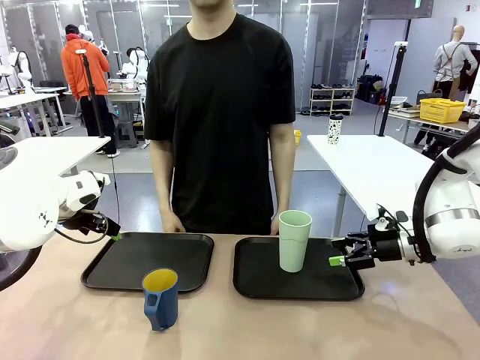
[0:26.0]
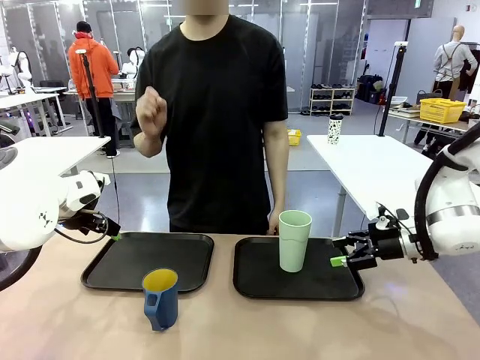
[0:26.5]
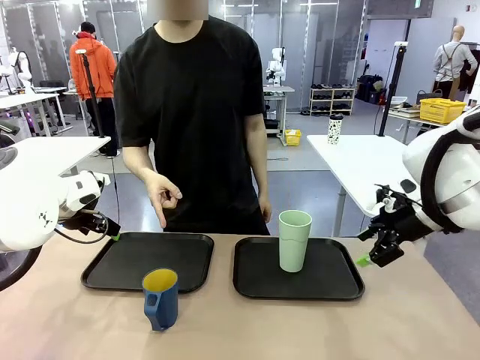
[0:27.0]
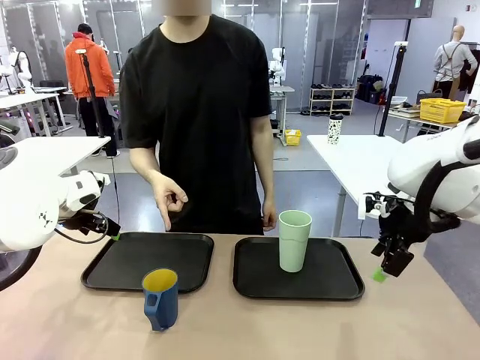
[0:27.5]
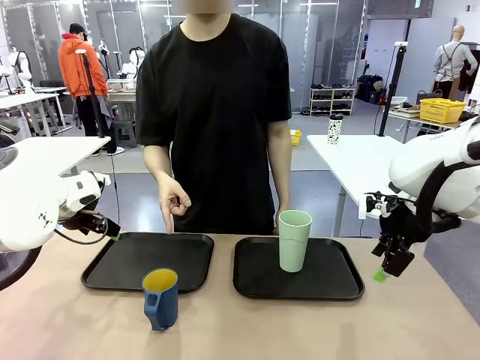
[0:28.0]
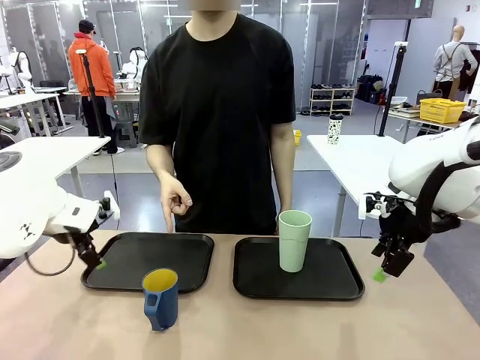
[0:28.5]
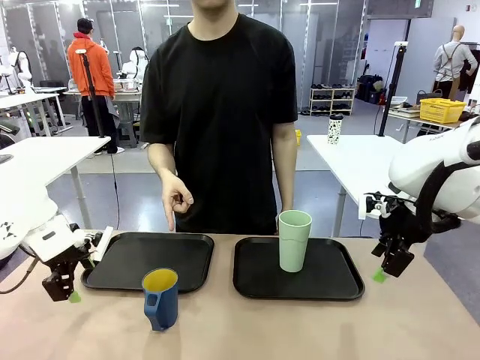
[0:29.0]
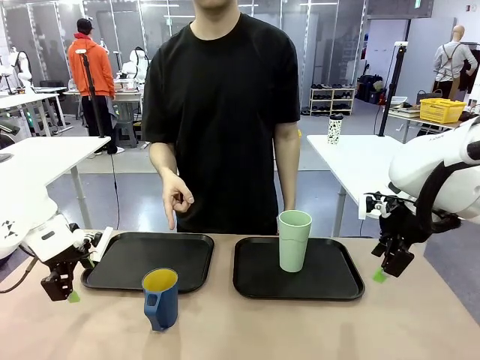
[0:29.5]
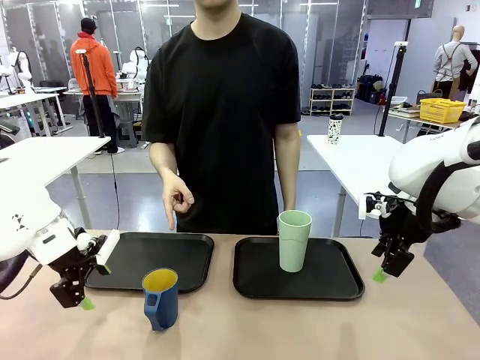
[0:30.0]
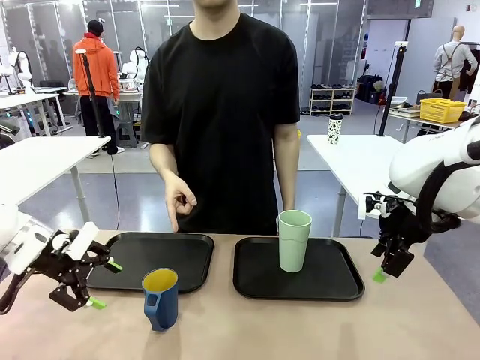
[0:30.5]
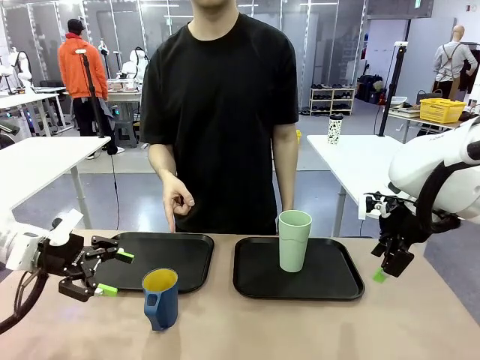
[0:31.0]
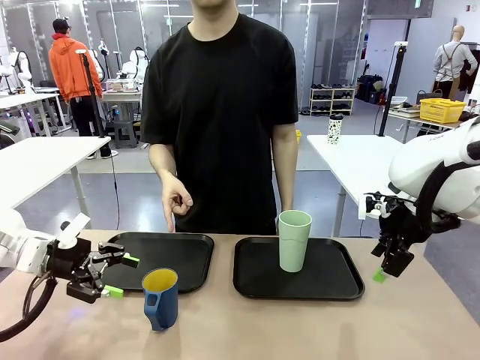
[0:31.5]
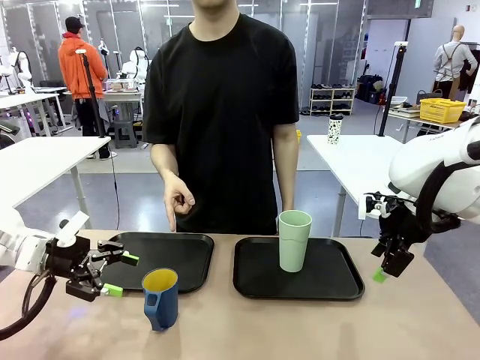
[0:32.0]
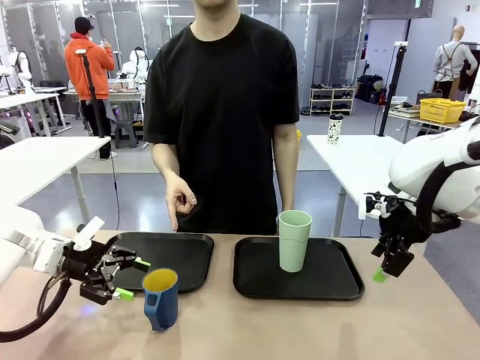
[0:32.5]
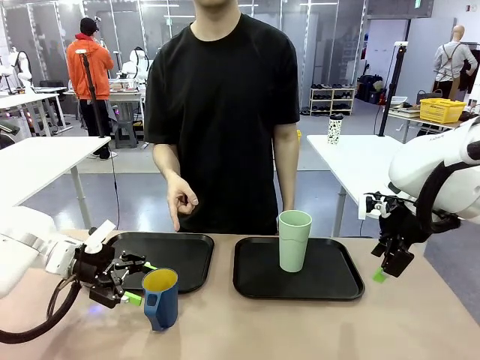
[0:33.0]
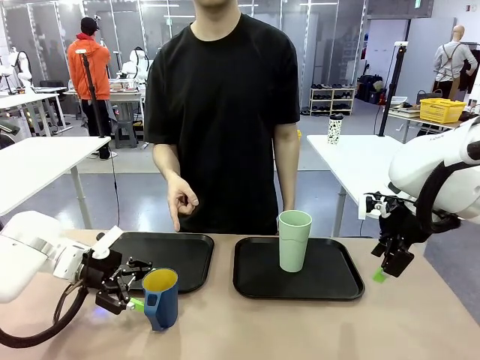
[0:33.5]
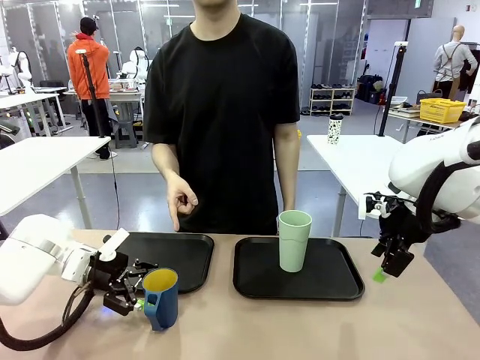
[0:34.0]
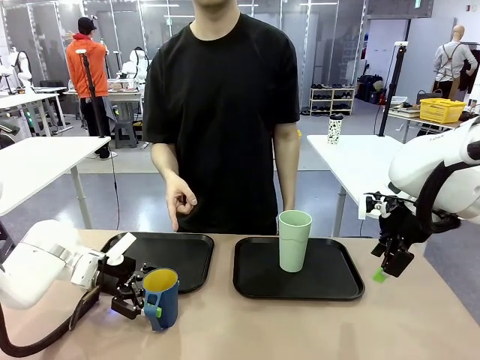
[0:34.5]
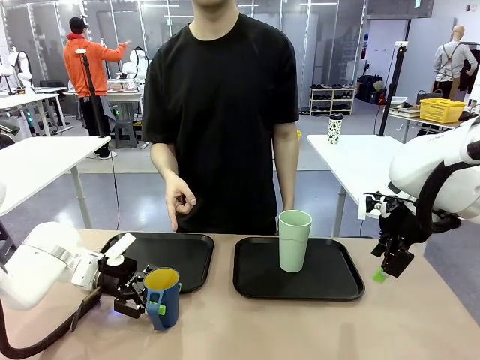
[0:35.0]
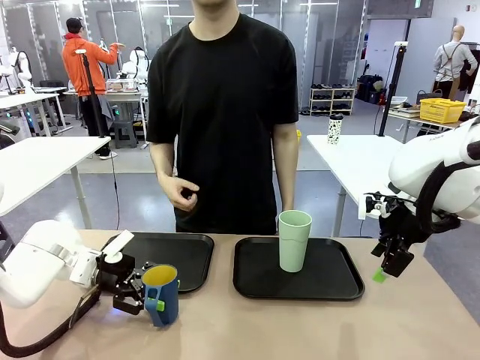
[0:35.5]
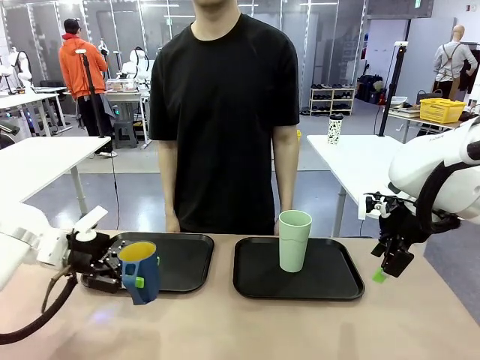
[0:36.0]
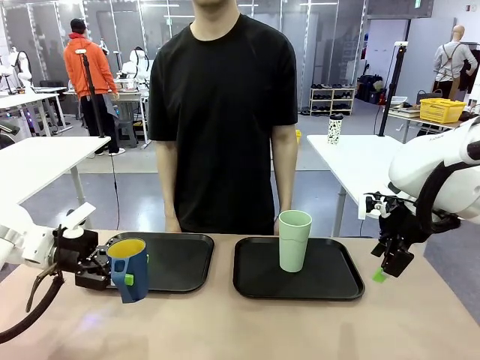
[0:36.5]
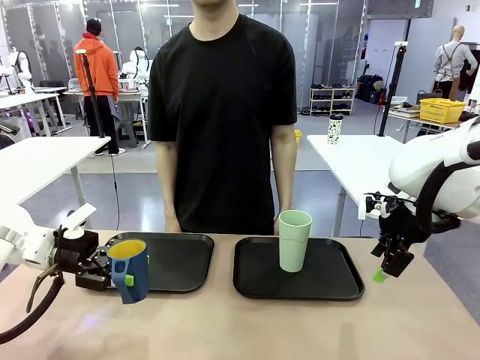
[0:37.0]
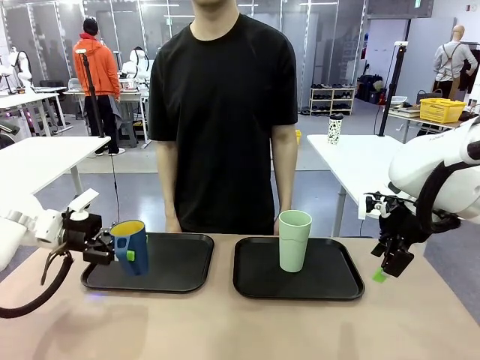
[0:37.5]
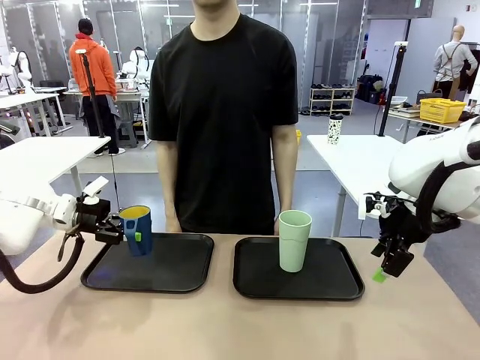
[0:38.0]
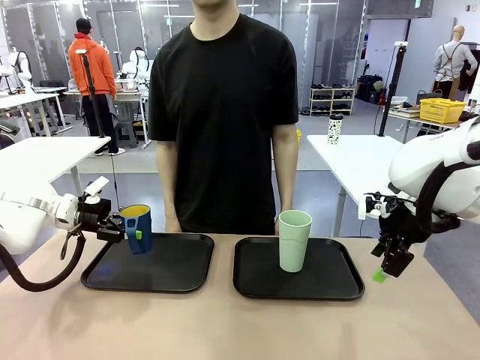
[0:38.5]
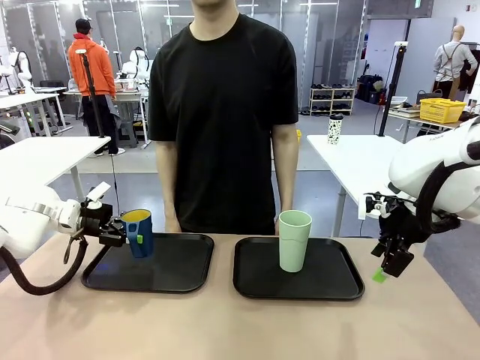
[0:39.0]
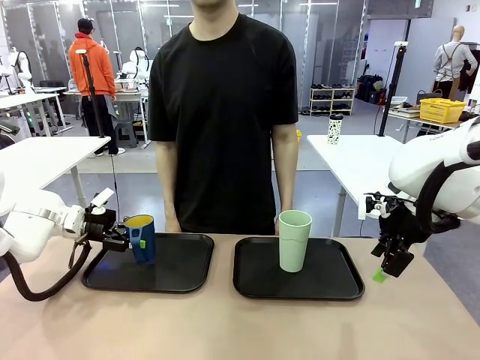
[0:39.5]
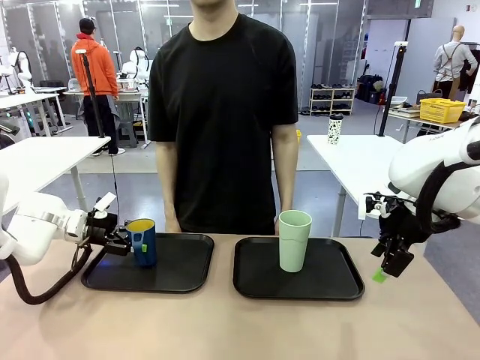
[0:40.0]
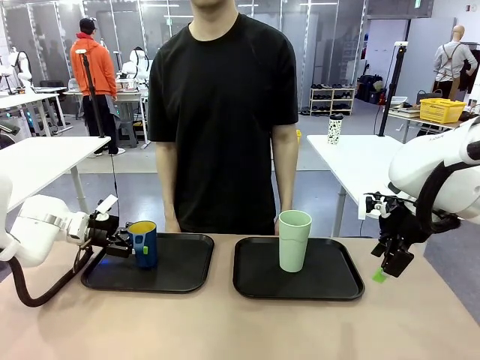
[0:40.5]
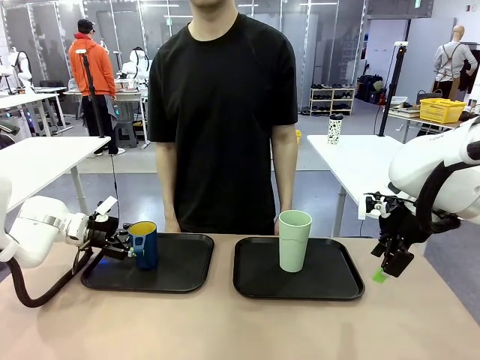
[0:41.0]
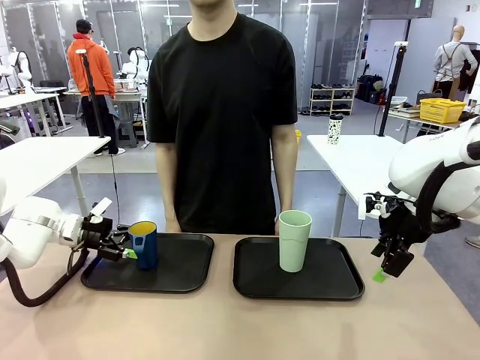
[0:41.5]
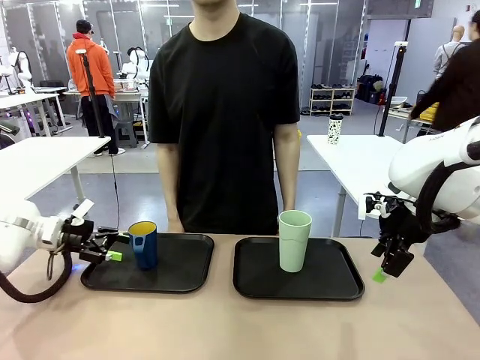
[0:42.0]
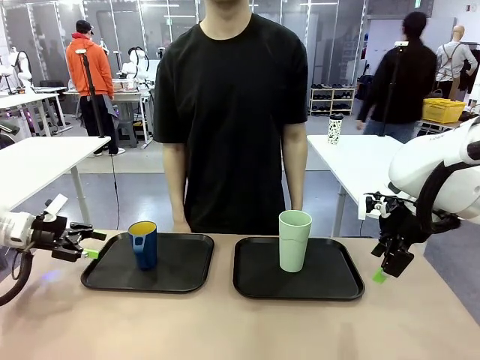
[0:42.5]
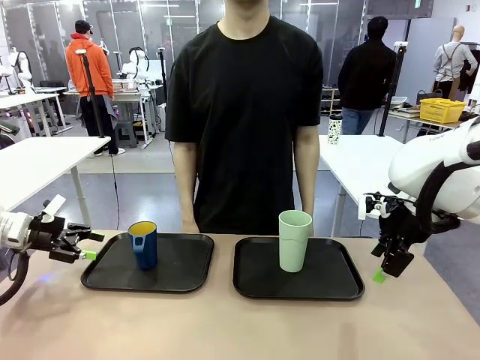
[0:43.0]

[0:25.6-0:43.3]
Task: Sort and store the cups by type.
Robot: Pick up the Handle plastic cup and place it into the empty Flat Tray.
Person: Points to the cup with a handle.
